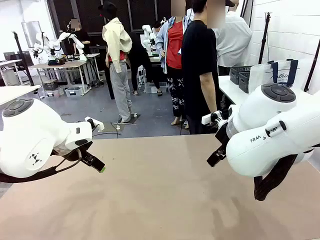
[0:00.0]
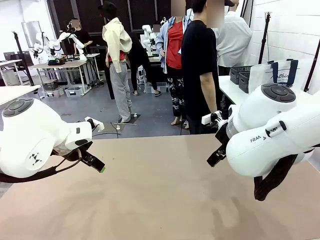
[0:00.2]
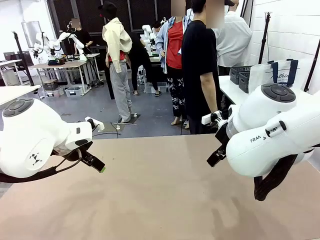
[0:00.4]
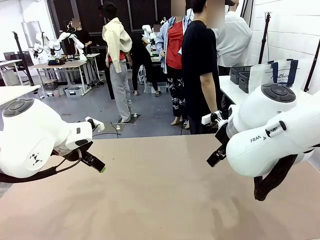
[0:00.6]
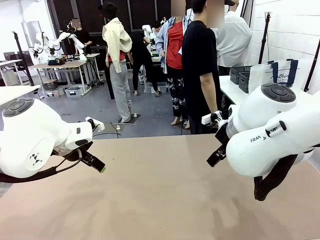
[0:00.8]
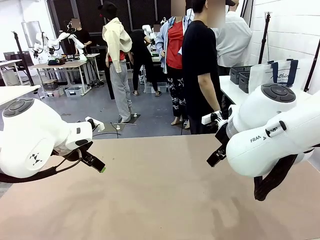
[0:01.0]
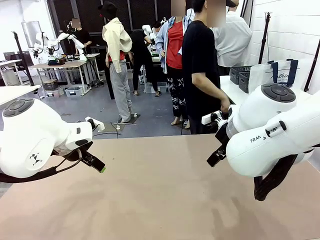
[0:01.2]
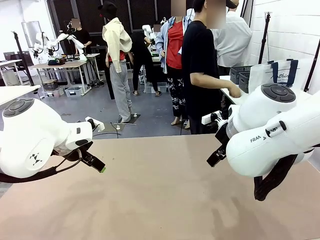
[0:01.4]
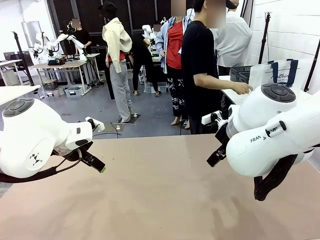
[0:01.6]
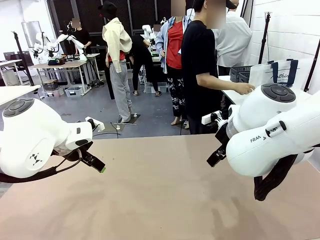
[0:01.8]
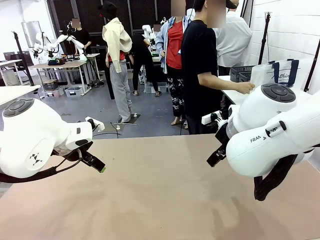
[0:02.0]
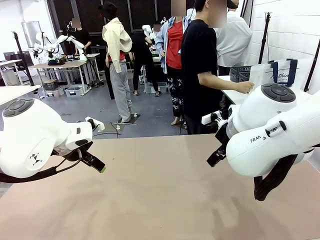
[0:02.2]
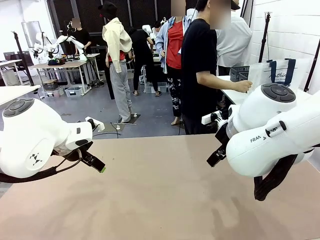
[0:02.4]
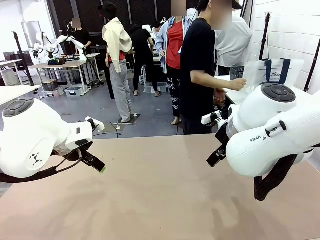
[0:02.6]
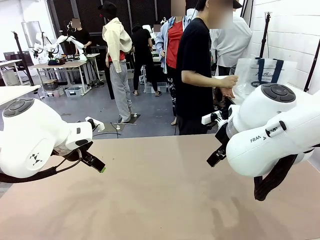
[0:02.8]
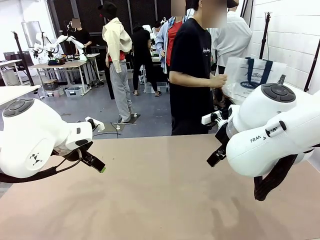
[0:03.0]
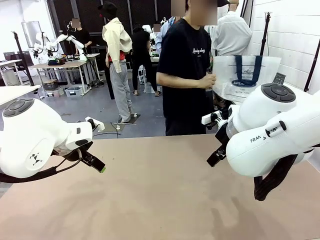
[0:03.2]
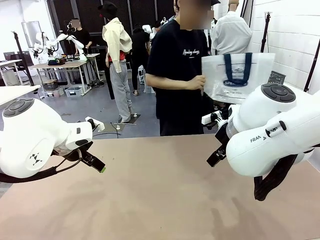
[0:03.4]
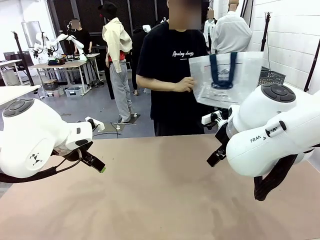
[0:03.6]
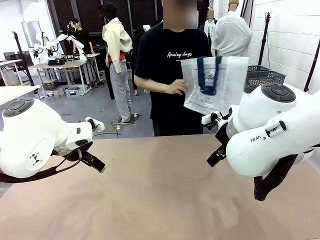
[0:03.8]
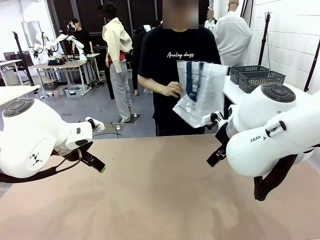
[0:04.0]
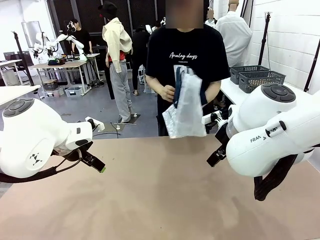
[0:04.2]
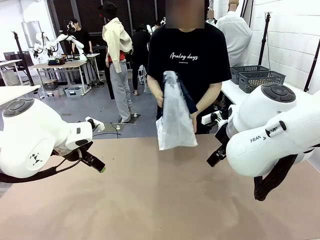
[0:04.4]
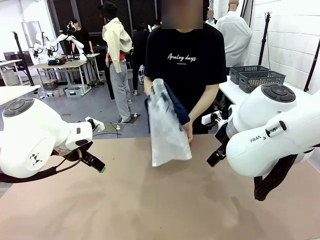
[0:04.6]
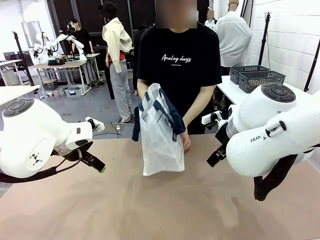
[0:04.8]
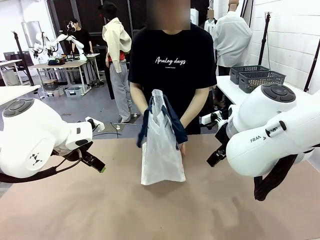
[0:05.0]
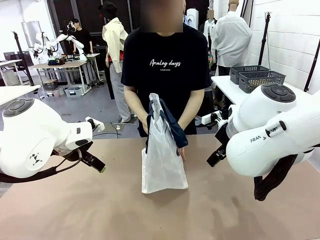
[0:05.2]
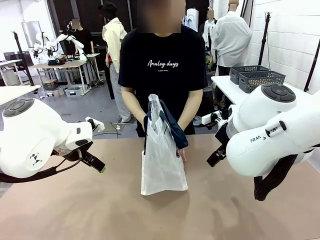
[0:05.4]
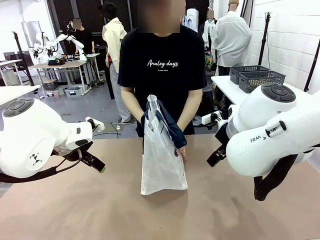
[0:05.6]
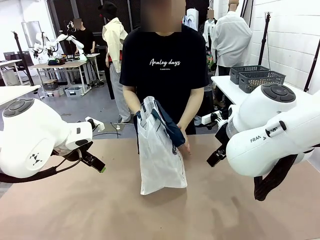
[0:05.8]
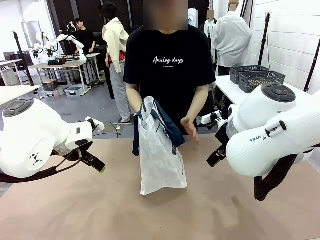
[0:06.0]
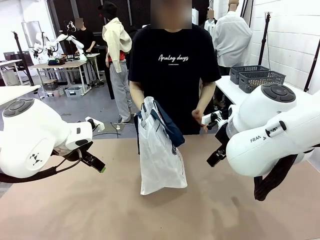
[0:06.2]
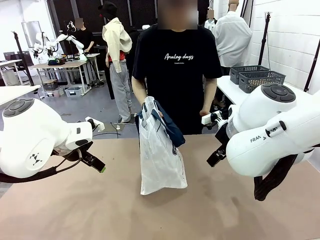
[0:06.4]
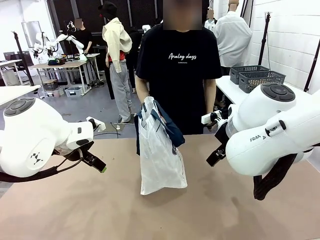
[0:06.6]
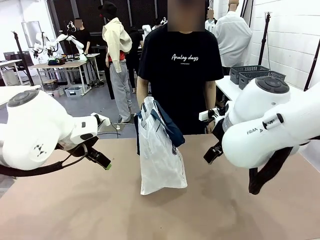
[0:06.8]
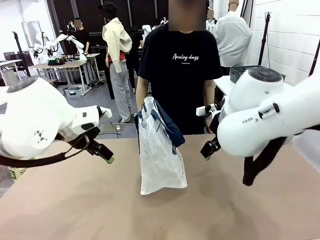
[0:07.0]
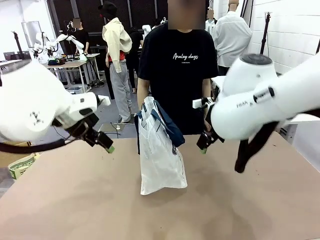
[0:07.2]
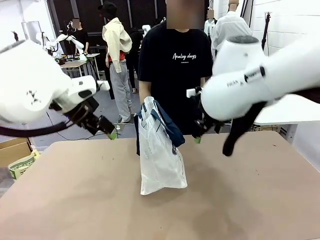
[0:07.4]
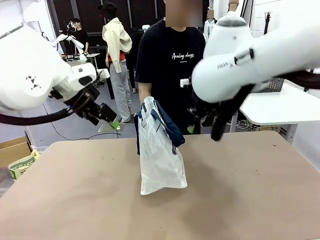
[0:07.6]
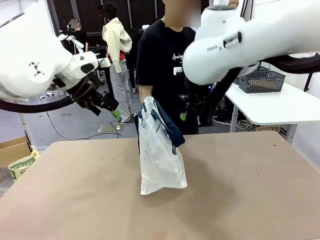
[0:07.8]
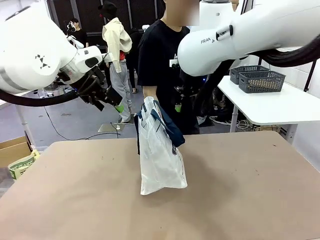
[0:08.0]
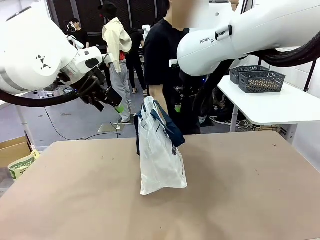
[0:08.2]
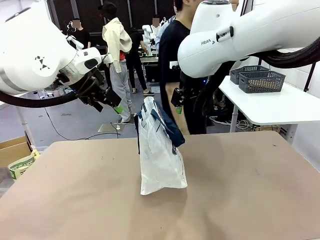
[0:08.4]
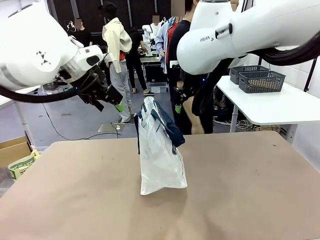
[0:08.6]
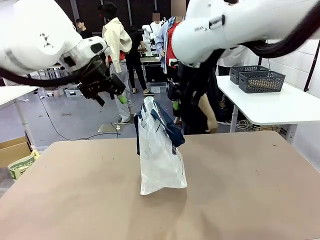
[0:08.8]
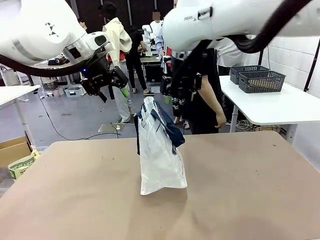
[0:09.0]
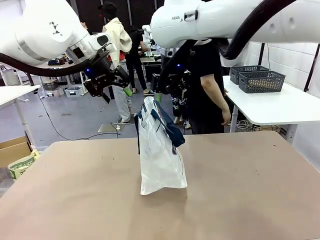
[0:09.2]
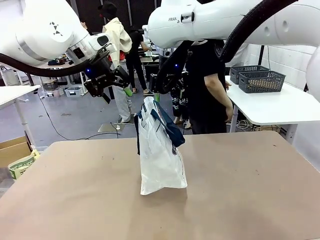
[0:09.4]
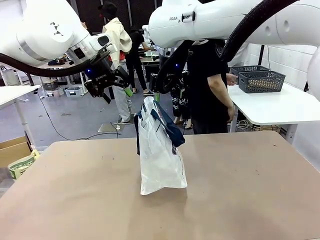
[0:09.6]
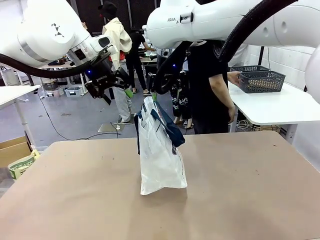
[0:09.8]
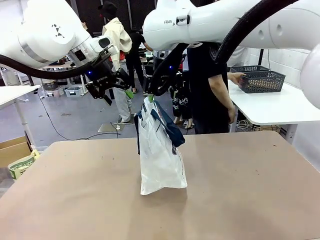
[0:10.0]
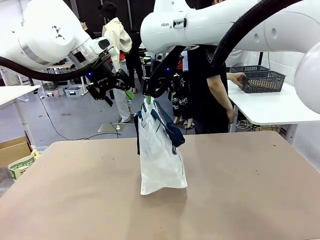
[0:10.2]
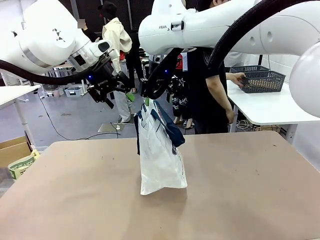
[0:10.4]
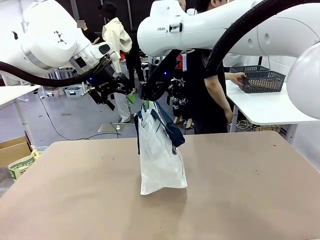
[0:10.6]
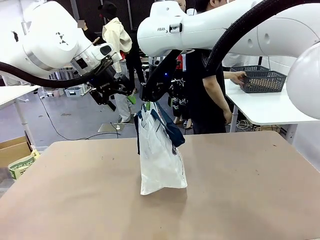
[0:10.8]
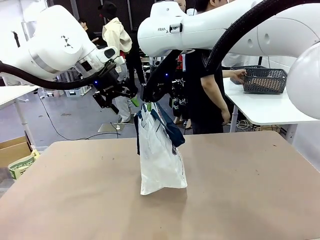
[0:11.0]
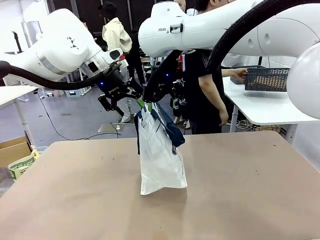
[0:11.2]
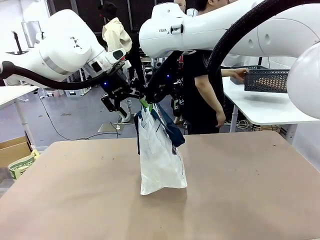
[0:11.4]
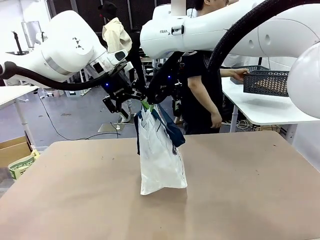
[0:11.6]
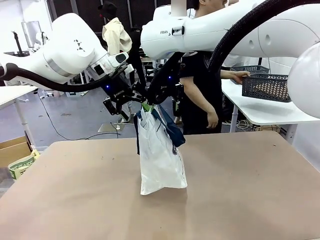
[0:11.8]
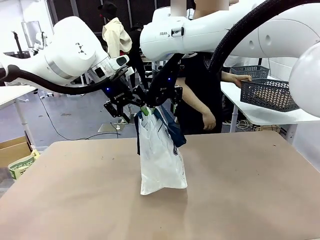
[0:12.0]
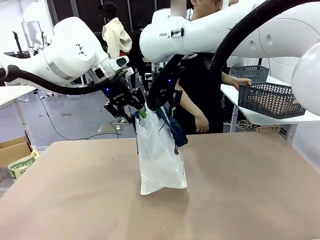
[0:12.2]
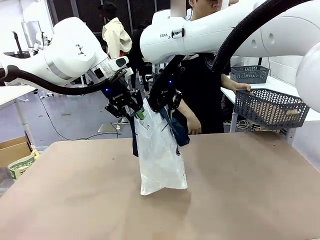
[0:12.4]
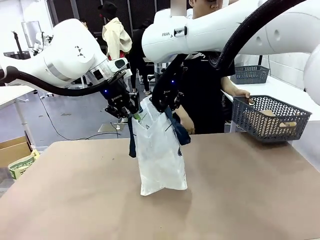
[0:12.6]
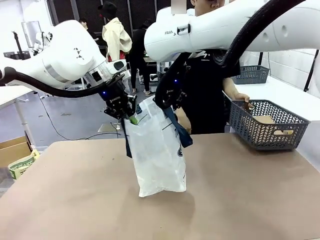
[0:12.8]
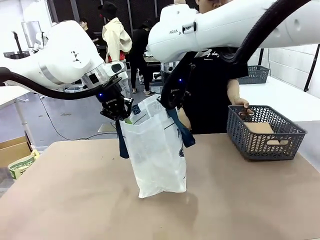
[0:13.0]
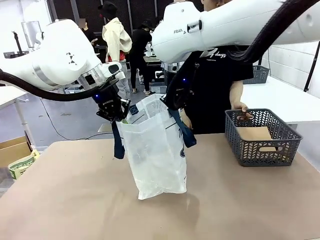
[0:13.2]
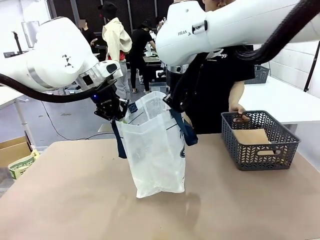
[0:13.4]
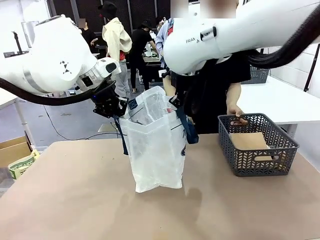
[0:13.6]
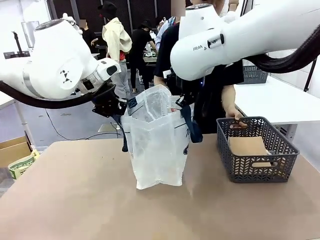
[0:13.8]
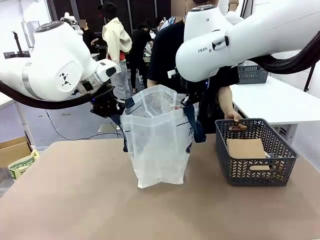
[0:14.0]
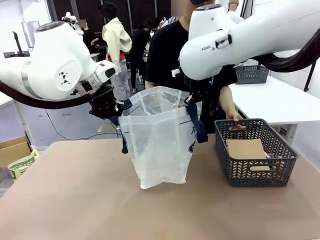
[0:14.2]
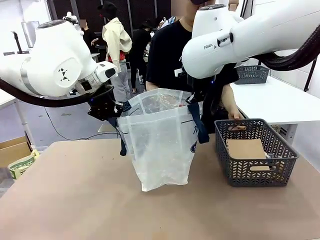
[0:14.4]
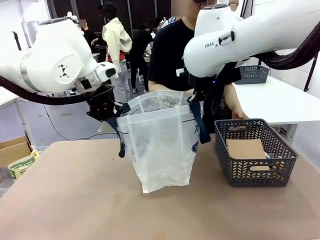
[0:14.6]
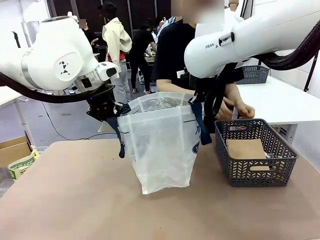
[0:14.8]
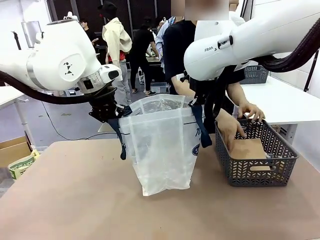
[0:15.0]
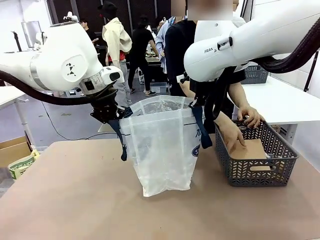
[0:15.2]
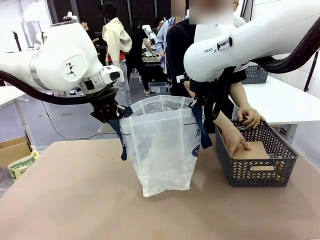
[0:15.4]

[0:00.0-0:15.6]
Task: Transfer purchased items from the store into the shopping bag.
Robot: Open the Reusable shopping bag in the center of the table.
Person: Pick up the shopping bag and place it in the middle of the robot table.
